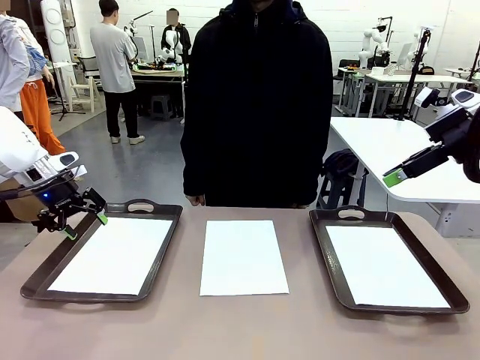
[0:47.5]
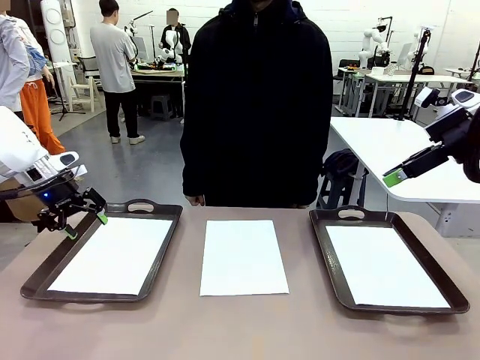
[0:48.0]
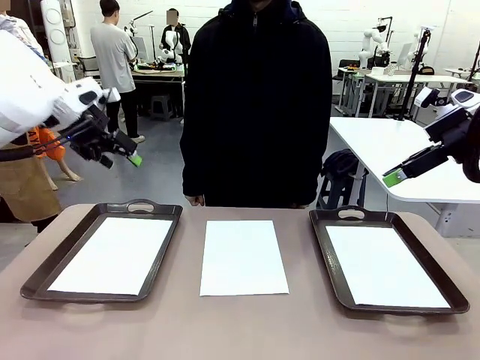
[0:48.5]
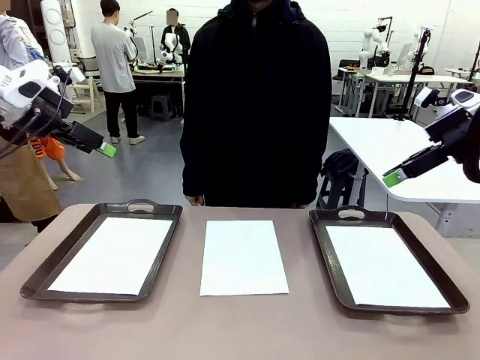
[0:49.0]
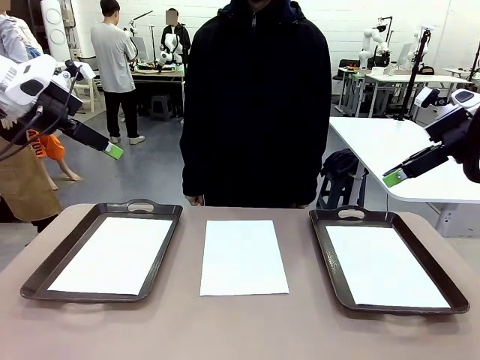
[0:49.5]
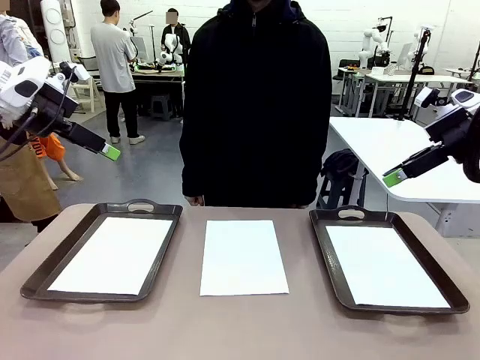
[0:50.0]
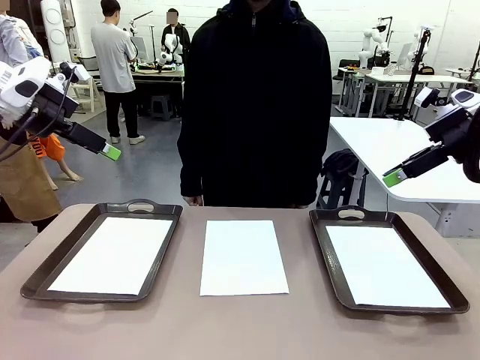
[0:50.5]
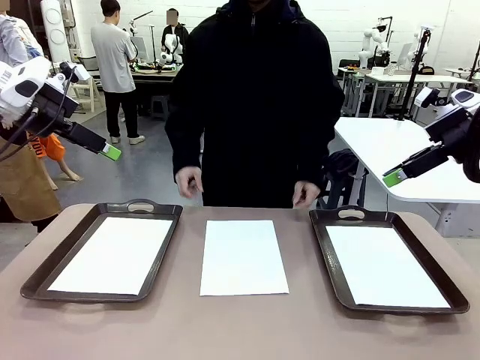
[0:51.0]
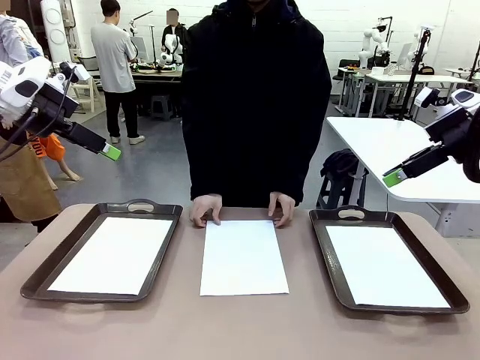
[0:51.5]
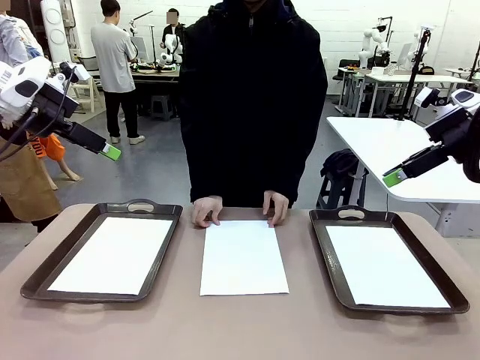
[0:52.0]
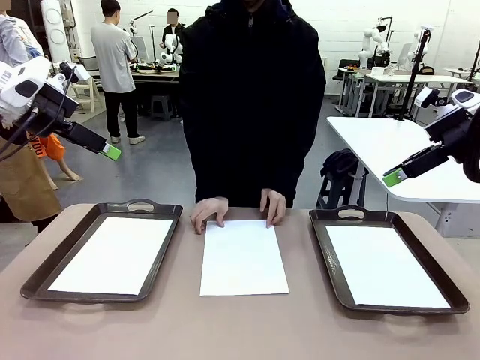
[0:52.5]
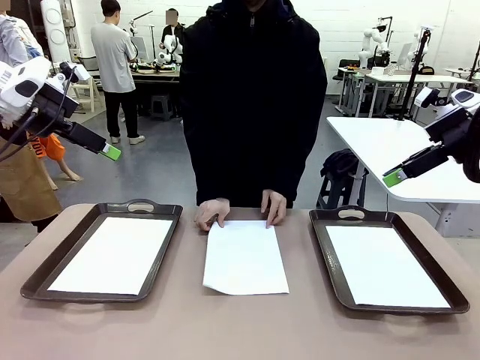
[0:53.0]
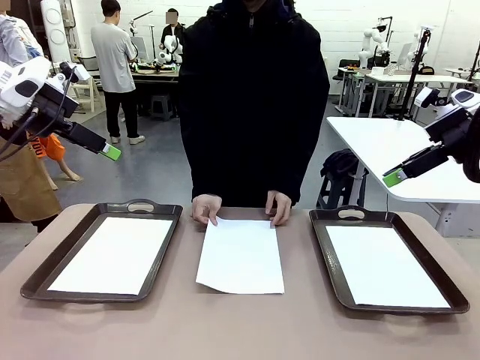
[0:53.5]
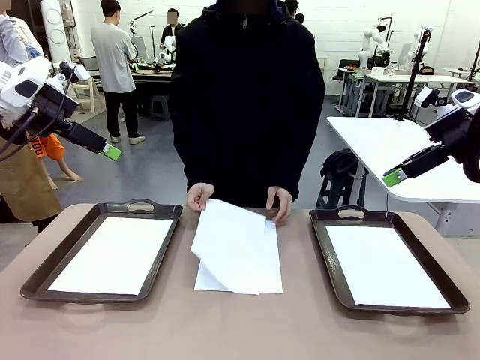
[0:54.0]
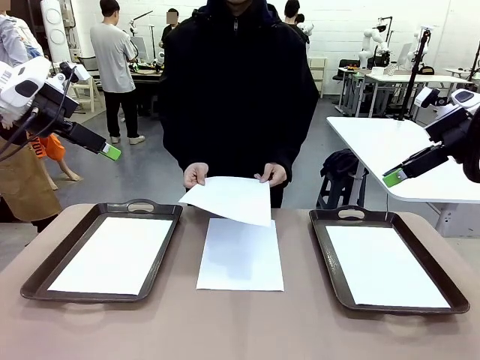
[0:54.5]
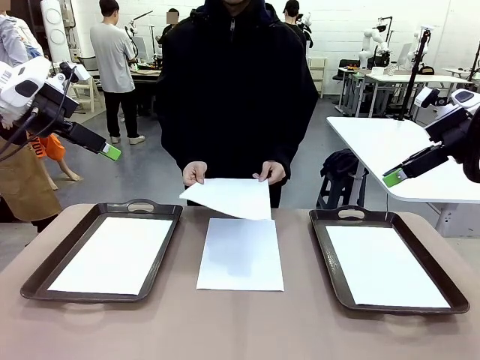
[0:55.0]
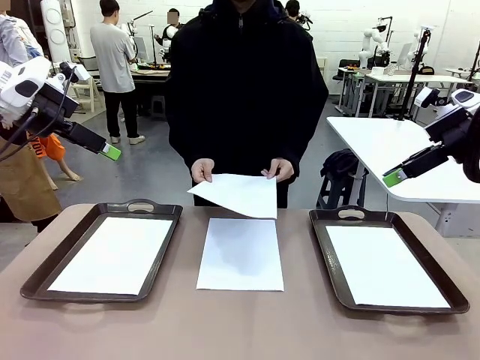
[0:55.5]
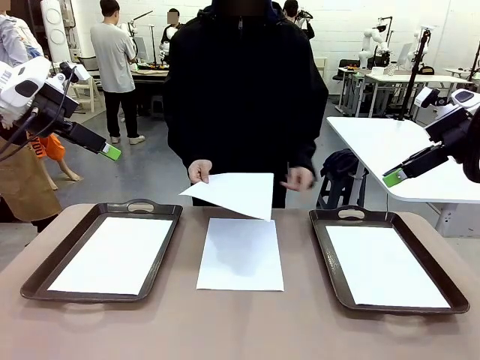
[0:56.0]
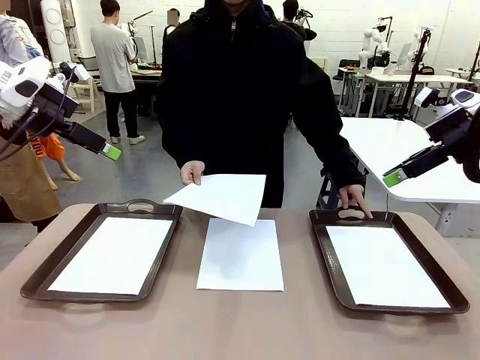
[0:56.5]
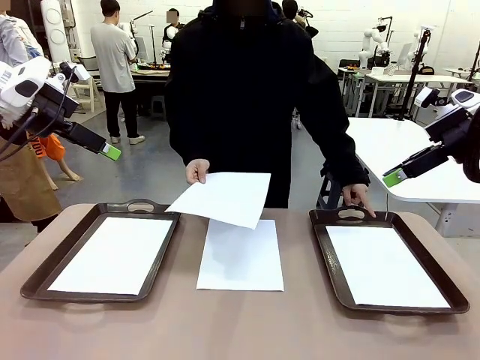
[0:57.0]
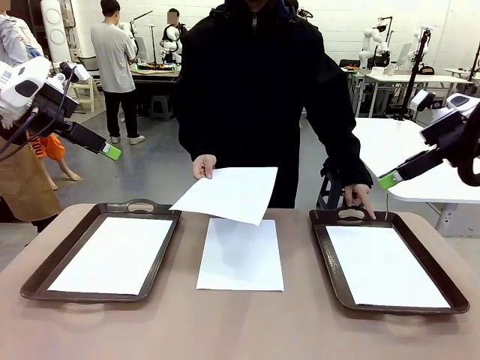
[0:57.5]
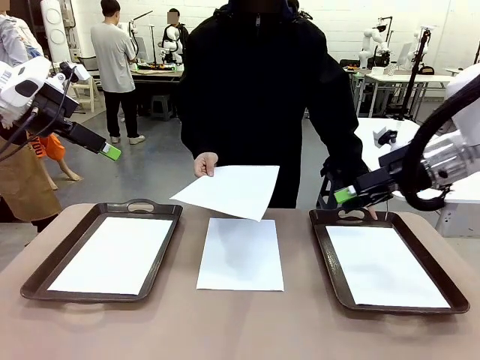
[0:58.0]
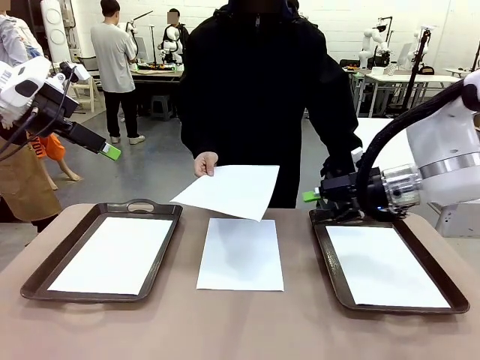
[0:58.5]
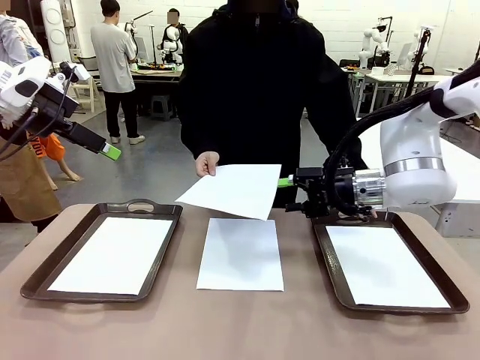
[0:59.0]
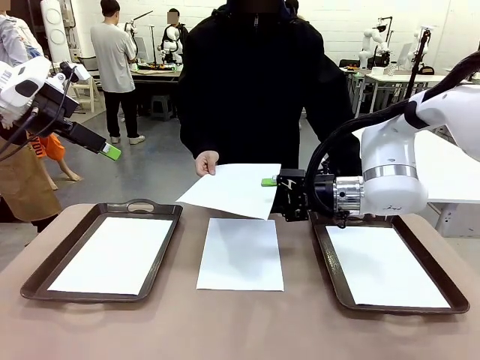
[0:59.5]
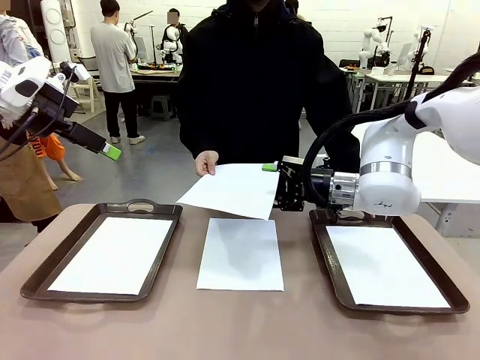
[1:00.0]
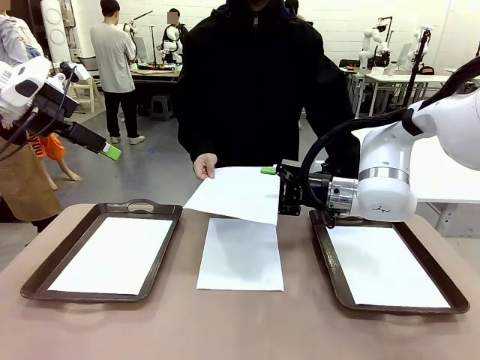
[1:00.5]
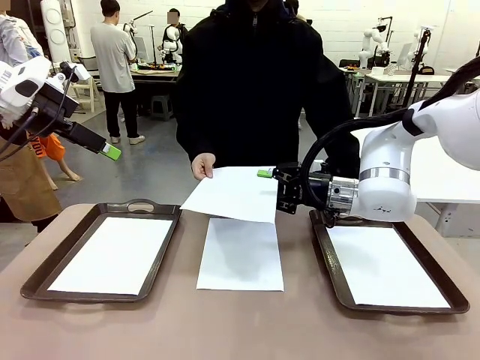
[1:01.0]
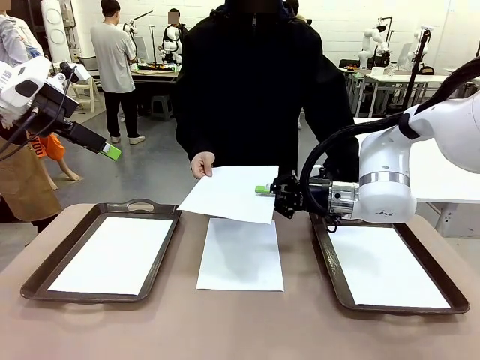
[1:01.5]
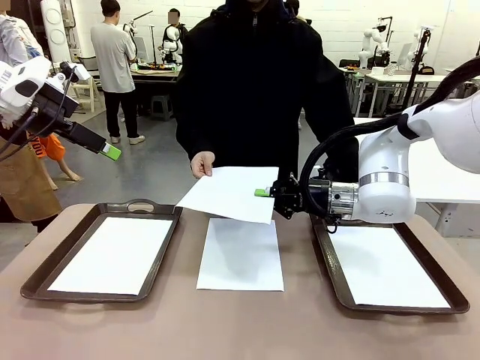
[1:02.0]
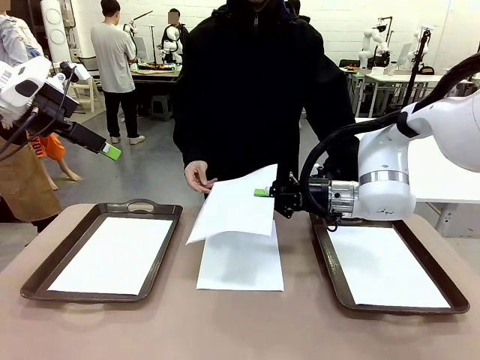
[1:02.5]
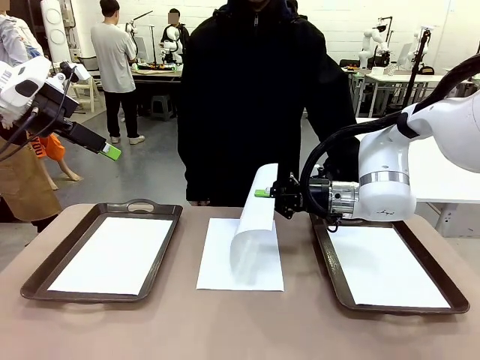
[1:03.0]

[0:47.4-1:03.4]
Task: Sort the A4 documents.
Robot: Receive the A4 Paper.
Person: Point the randomly selected tray with the other hand.

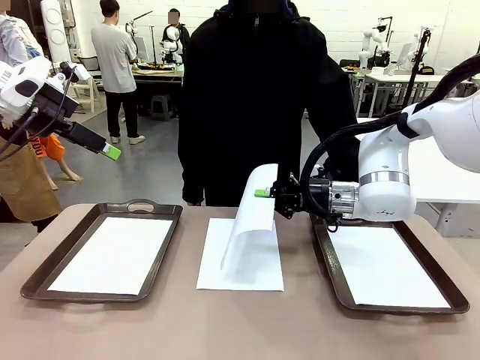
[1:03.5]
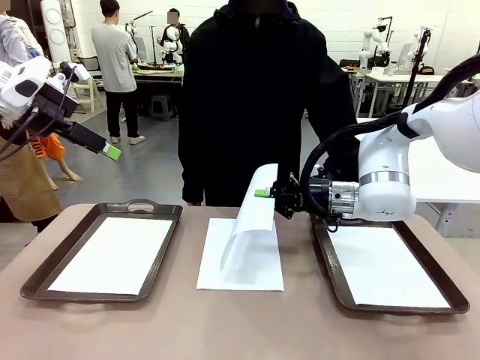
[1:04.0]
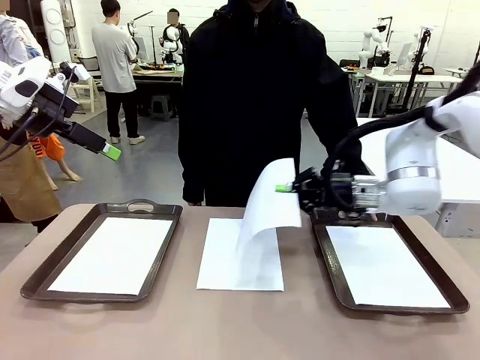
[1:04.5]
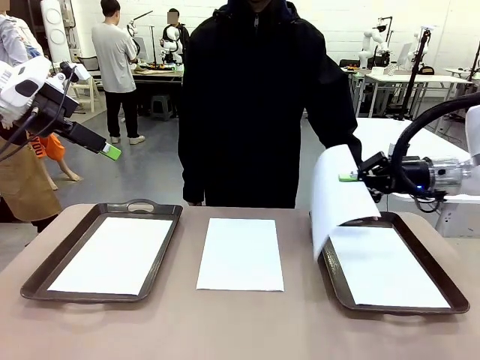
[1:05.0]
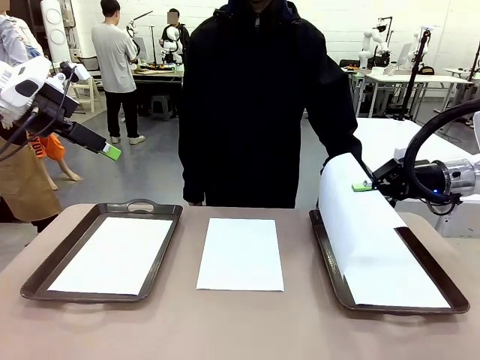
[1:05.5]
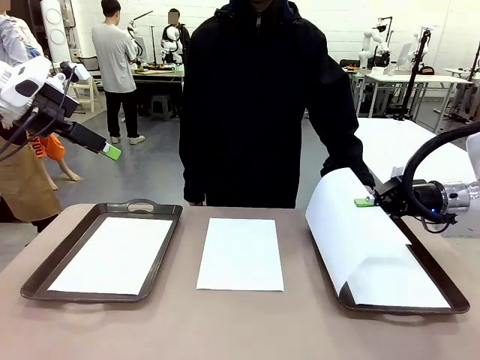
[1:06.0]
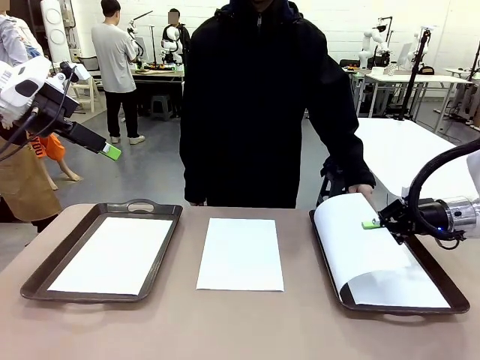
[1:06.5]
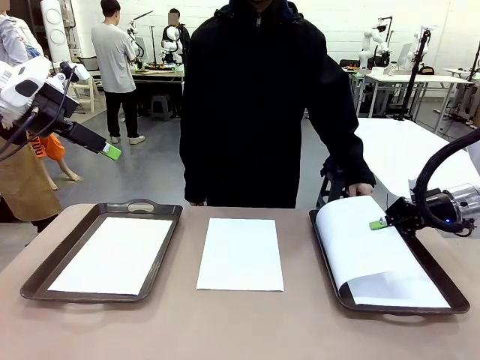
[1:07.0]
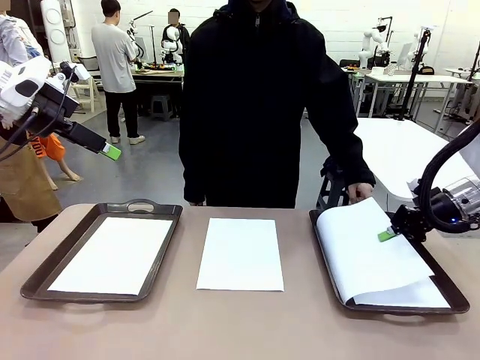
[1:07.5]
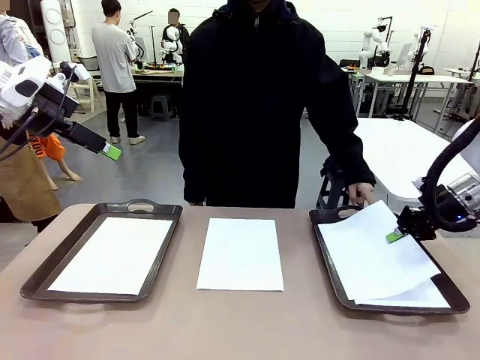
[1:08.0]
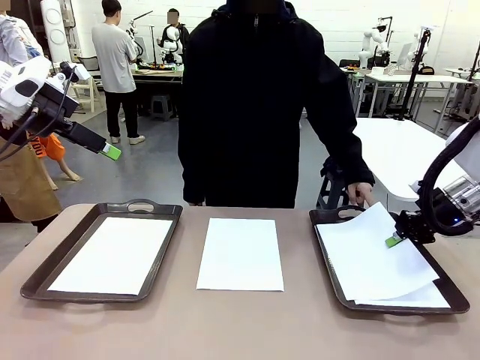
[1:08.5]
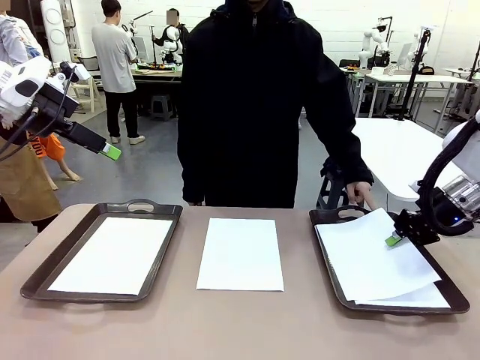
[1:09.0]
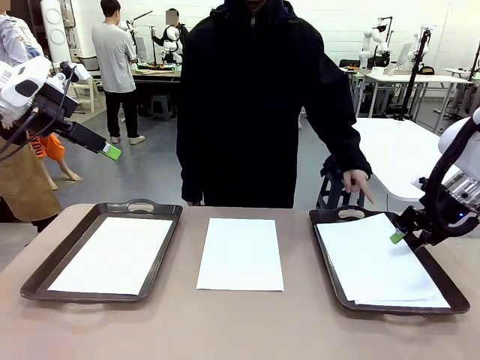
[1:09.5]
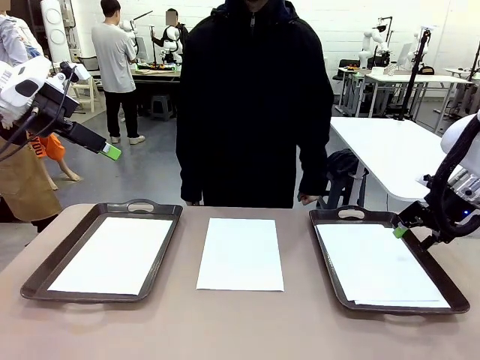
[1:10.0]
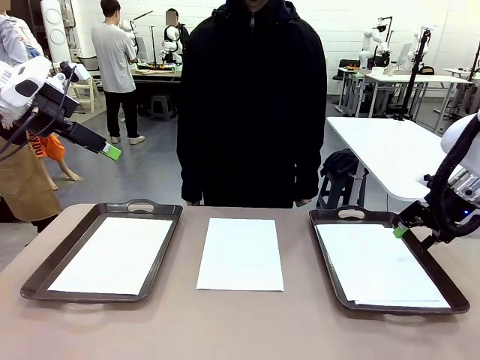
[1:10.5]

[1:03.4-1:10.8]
Robot: Place the A4 Paper in the designated Handle tray.
